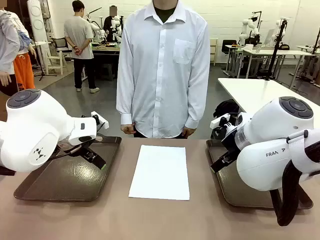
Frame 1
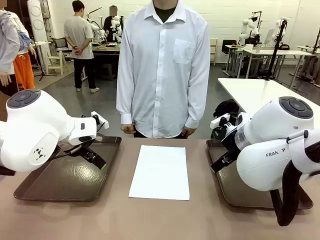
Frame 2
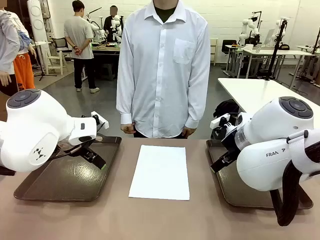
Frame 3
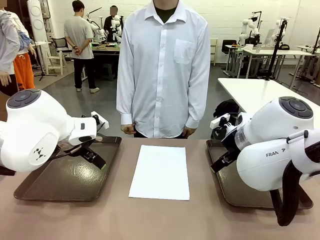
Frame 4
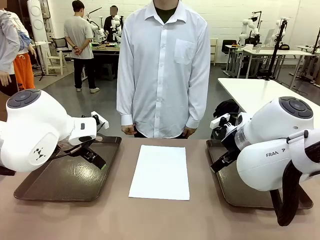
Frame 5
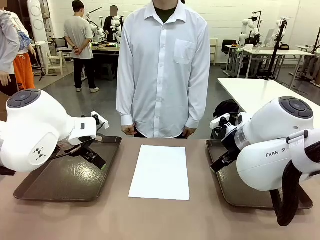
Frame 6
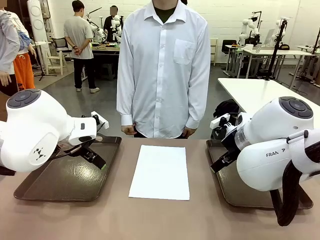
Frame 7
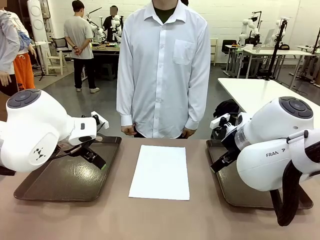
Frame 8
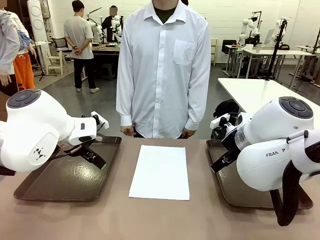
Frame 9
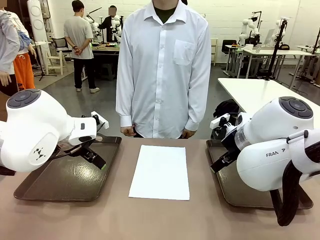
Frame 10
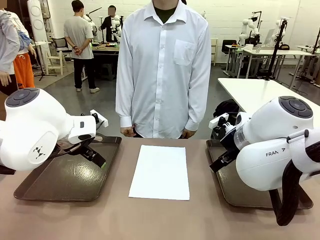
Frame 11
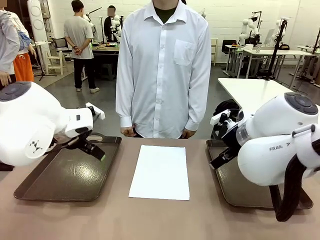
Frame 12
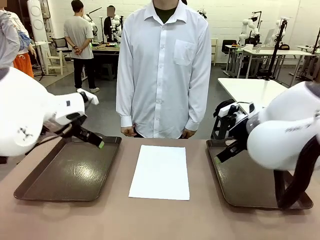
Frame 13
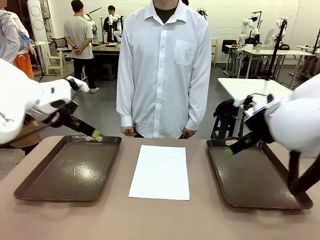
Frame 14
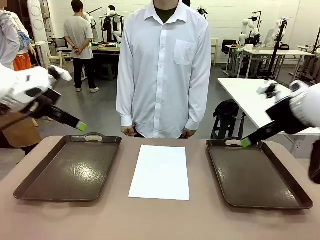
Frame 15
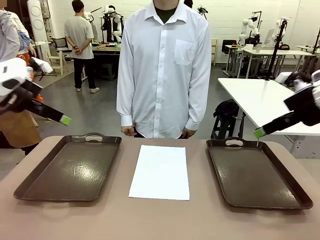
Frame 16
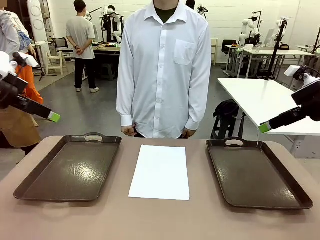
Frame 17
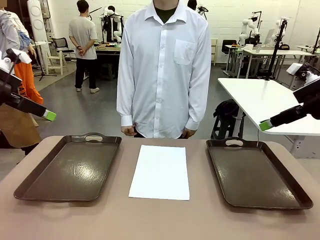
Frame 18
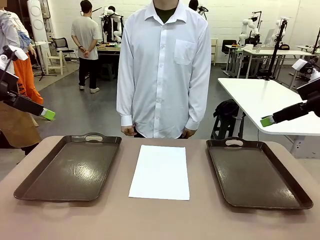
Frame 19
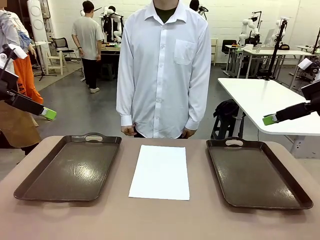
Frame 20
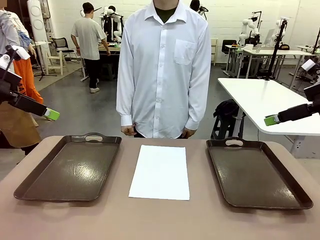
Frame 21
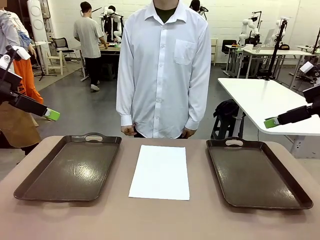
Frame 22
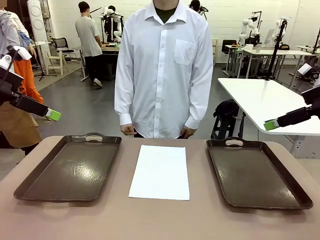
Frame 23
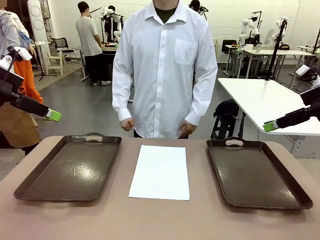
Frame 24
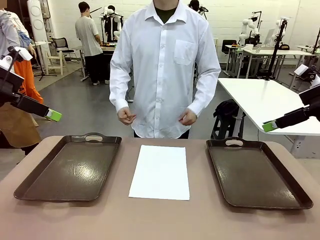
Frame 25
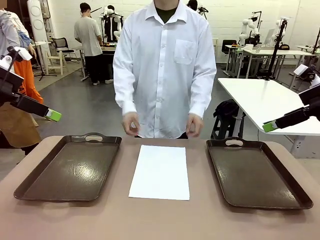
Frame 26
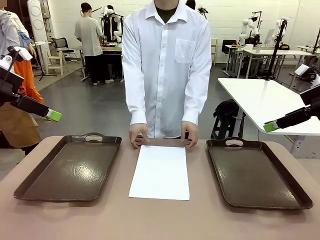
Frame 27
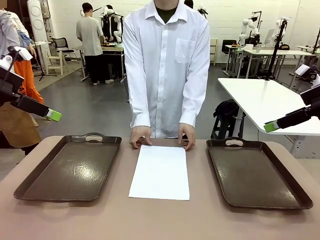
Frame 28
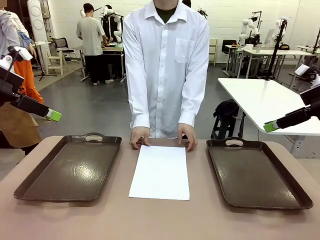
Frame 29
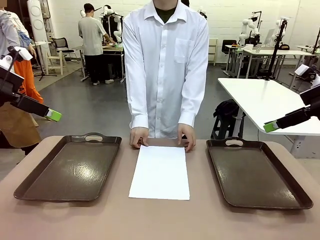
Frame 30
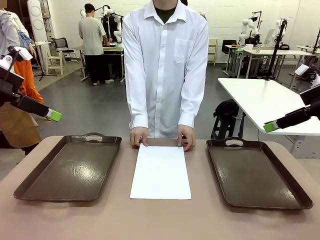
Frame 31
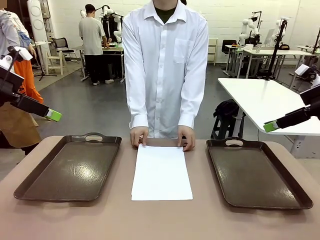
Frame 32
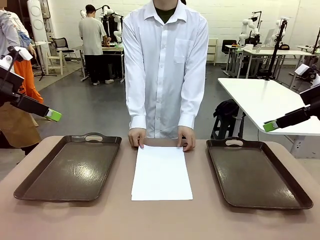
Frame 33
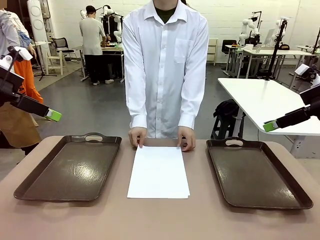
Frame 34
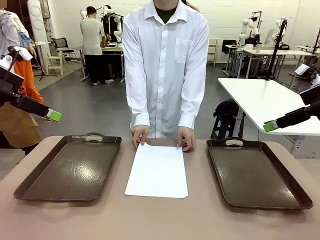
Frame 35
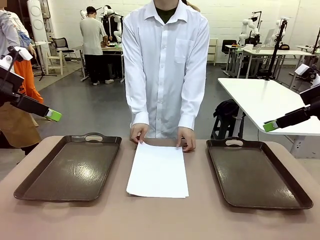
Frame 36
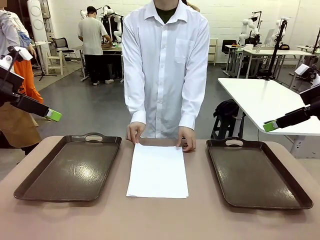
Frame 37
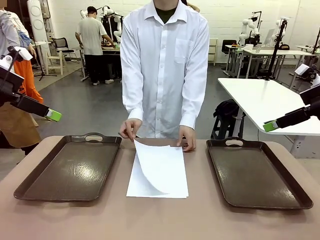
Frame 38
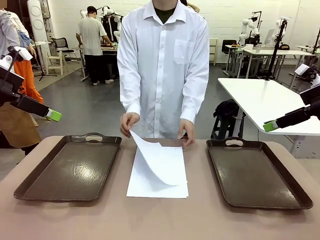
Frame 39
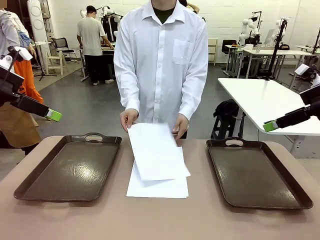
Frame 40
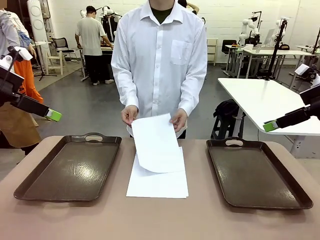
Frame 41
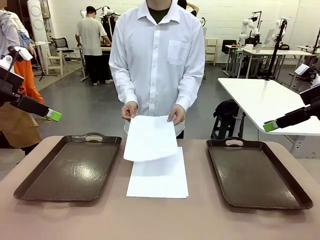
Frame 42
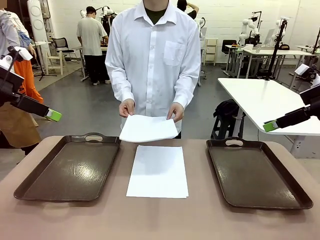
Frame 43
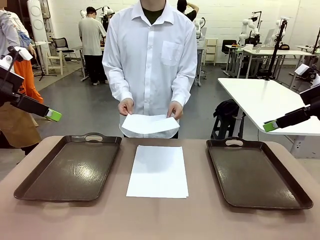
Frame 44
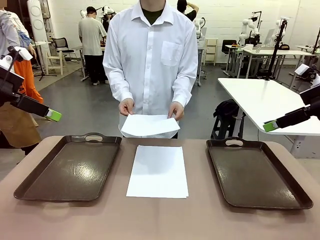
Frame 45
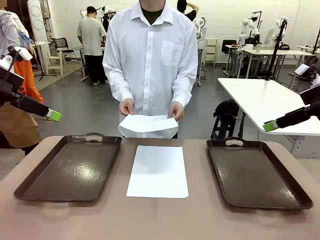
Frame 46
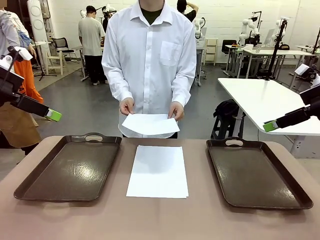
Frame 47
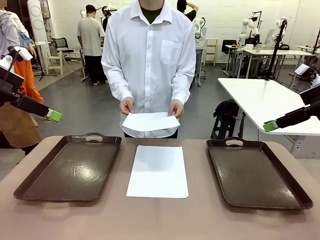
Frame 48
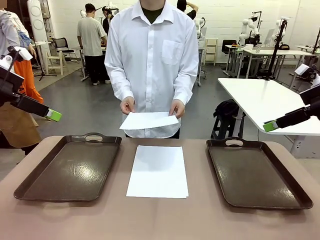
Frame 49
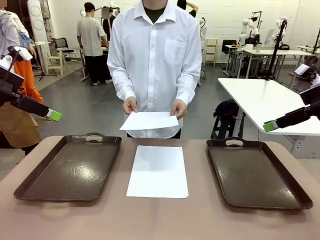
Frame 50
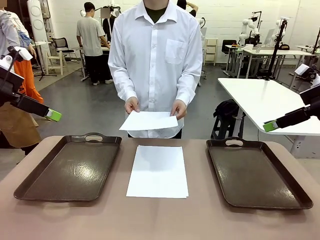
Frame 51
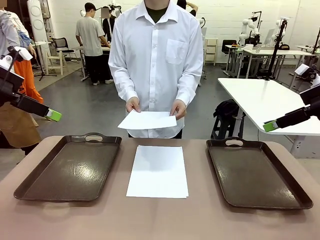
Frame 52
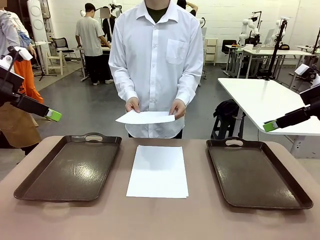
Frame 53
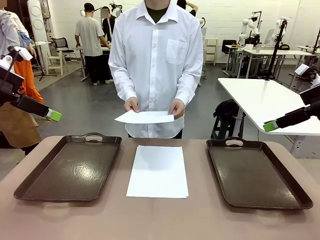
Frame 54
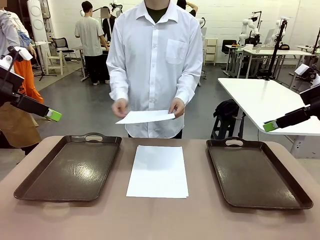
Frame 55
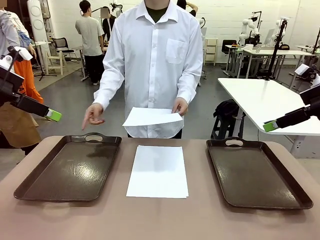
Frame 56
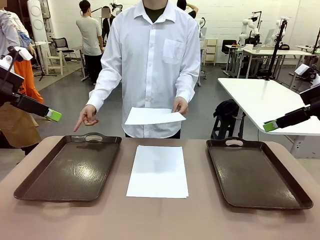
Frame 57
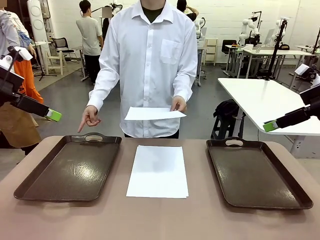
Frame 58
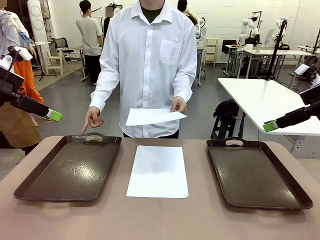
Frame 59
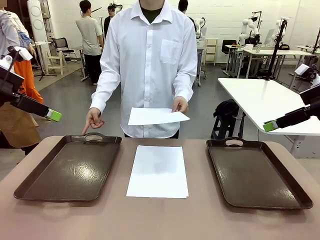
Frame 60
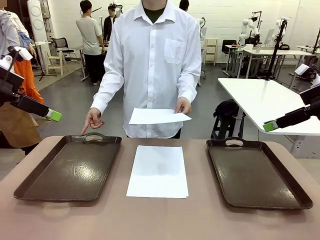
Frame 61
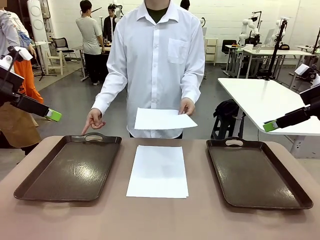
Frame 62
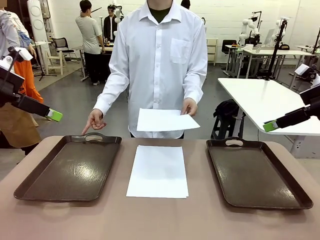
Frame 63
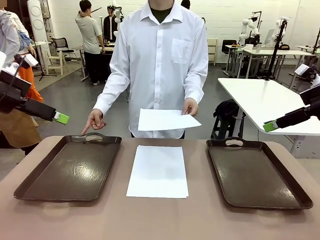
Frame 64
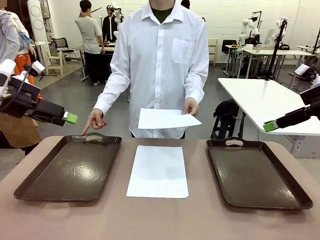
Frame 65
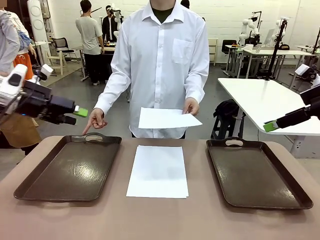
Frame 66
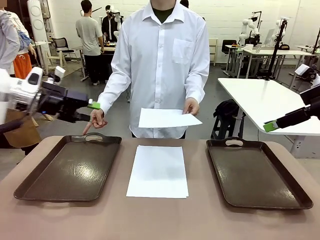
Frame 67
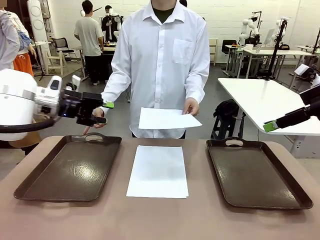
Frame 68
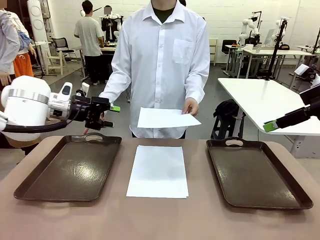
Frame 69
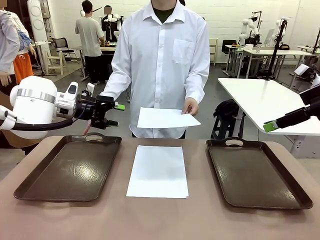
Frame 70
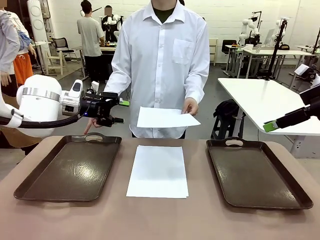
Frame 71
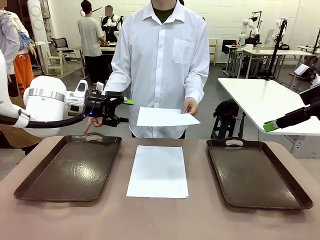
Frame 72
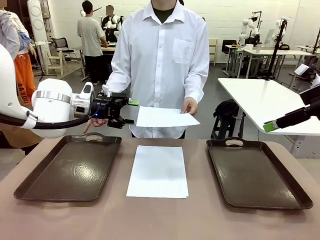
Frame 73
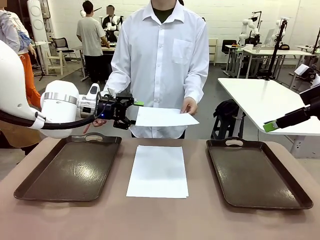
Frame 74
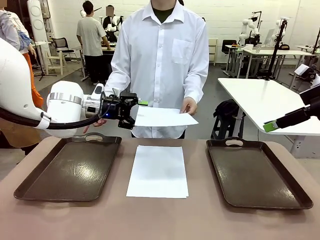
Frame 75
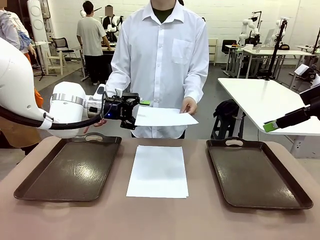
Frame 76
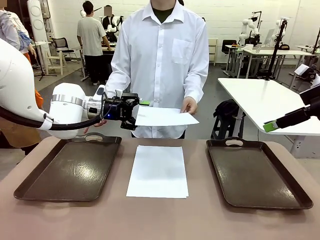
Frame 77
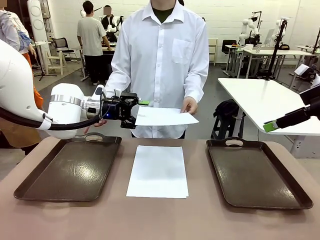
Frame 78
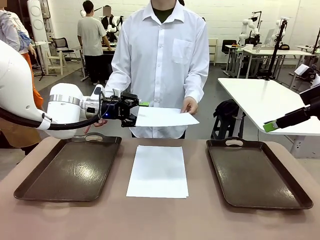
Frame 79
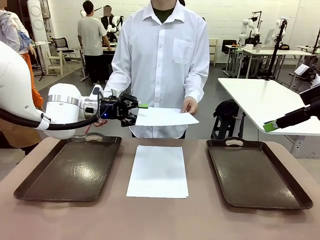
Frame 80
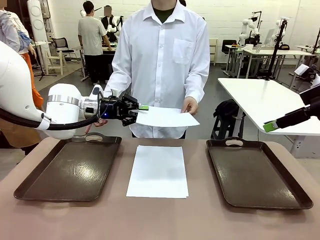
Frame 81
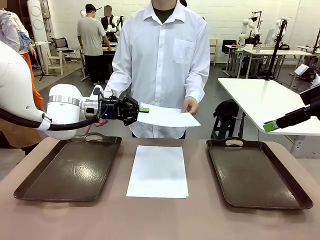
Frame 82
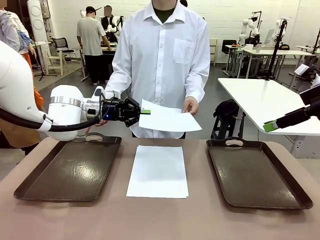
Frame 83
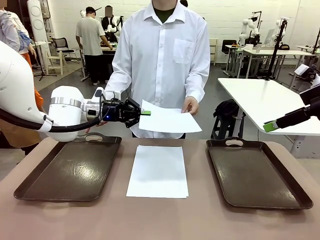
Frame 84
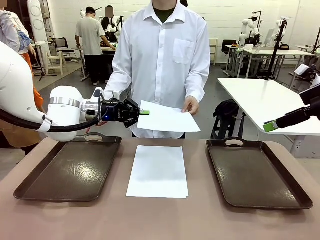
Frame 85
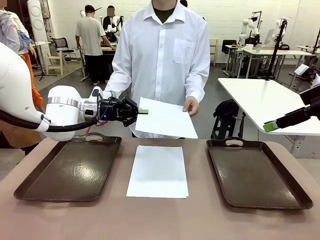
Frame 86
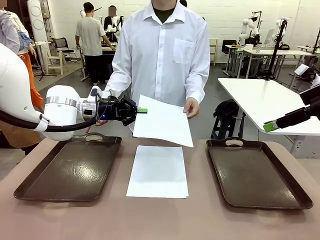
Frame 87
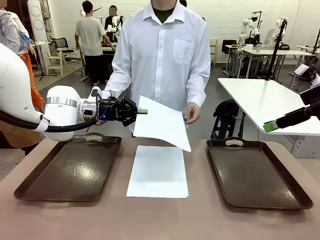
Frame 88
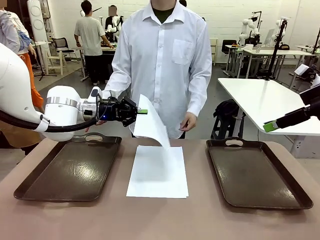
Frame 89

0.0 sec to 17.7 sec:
Task: Sort the A4 documents.
Robot: Receive the A4 Paper.
Person: Pick up a sheet of paper from the center of the table and hand it to the robot. Point the randomly selected tray with the other hand.

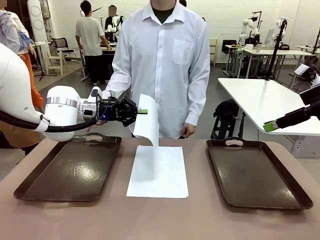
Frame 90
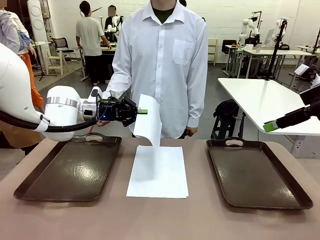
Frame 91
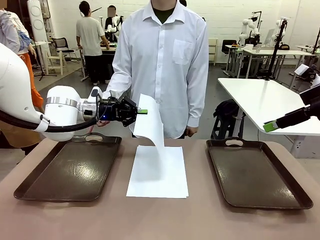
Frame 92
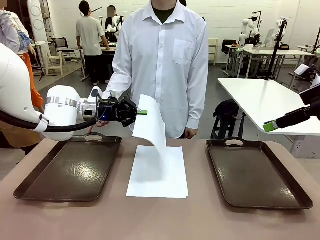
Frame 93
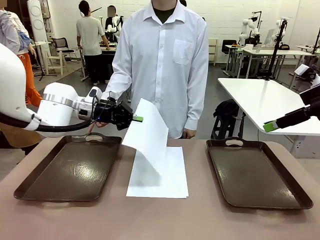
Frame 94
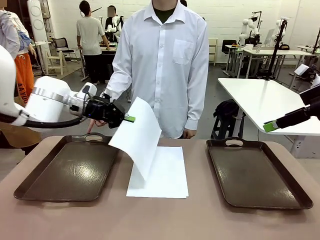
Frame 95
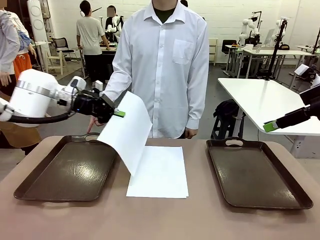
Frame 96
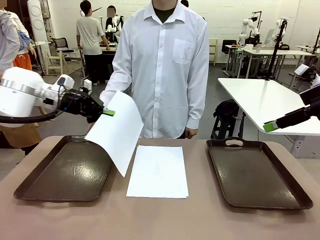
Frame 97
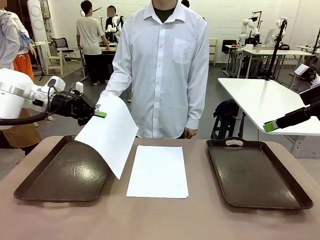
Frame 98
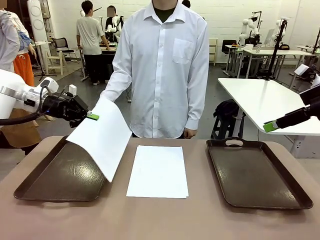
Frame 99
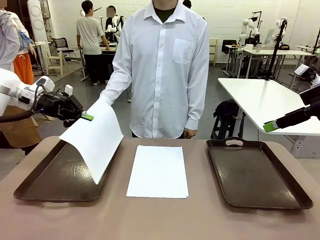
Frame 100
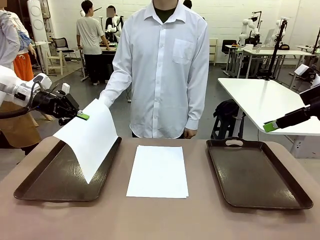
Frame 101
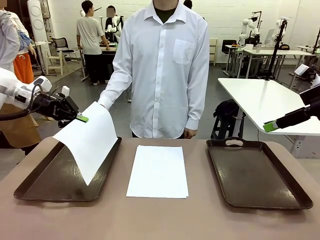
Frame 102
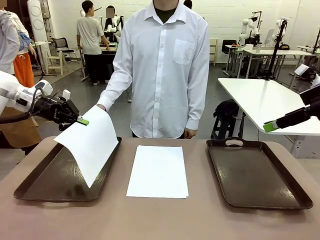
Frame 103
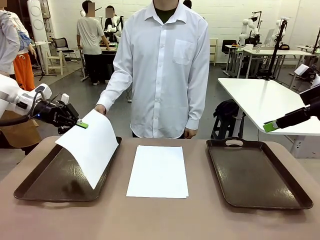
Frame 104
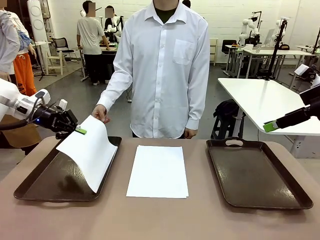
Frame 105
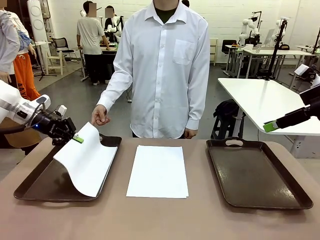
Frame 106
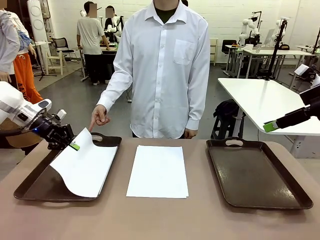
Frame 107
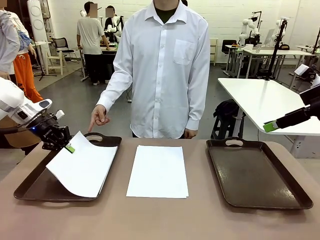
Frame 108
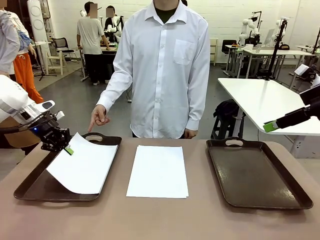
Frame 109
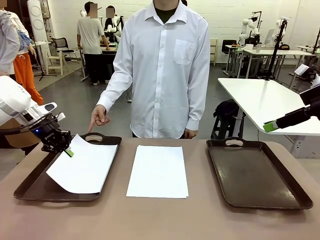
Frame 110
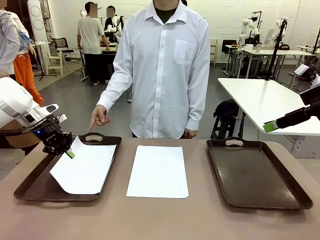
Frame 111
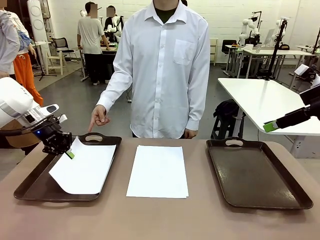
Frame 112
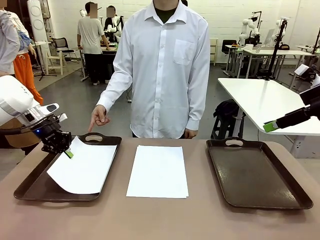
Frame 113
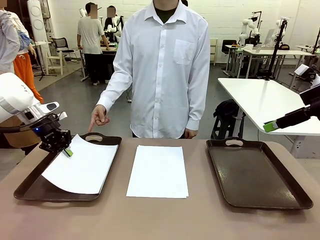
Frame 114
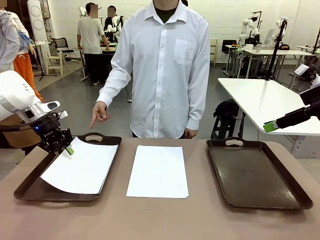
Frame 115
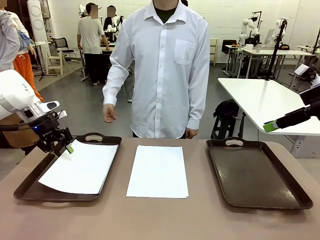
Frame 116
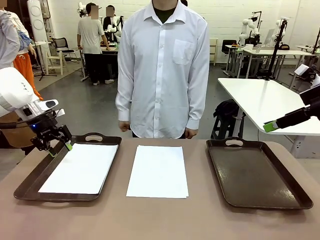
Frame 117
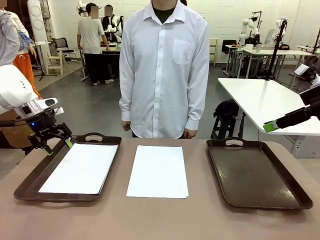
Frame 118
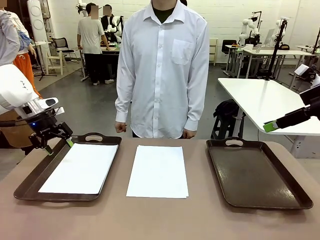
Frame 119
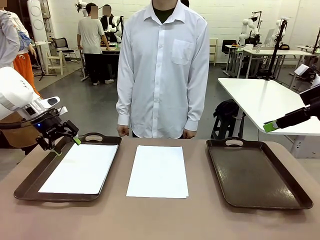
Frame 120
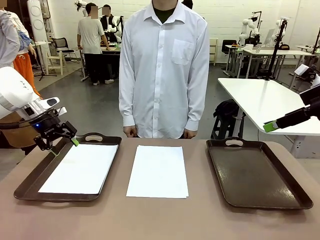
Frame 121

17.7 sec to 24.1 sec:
Robot: Place the A4 Paper in the designated Handle tray.
